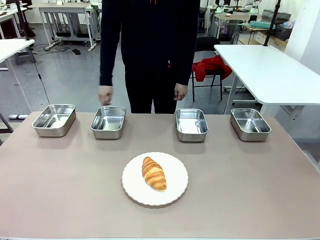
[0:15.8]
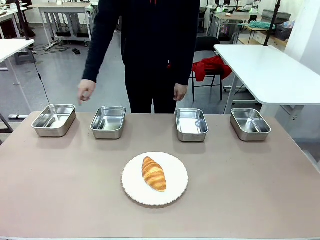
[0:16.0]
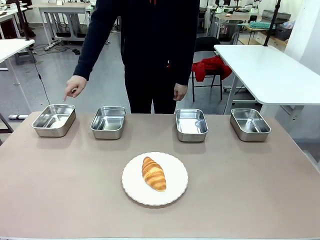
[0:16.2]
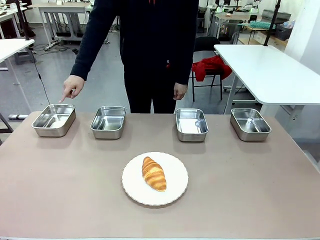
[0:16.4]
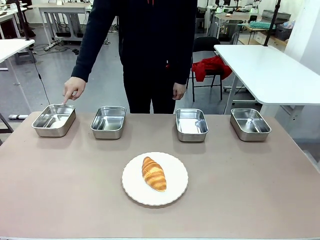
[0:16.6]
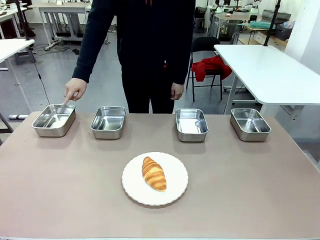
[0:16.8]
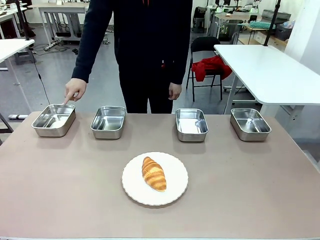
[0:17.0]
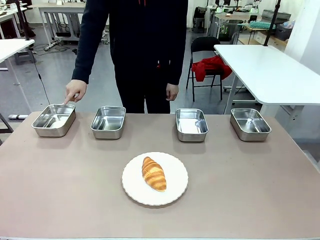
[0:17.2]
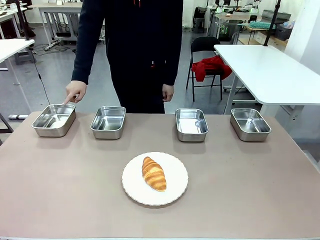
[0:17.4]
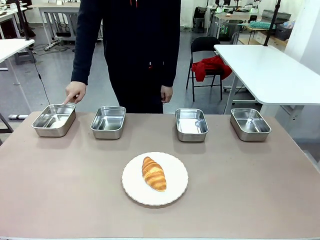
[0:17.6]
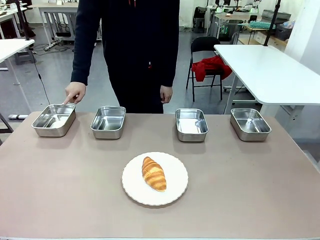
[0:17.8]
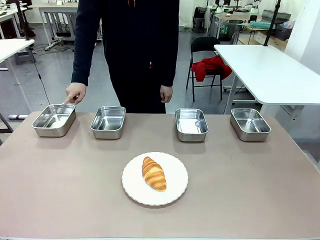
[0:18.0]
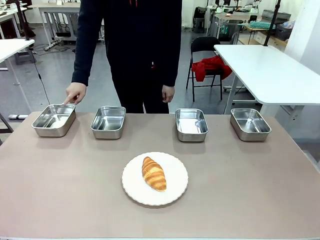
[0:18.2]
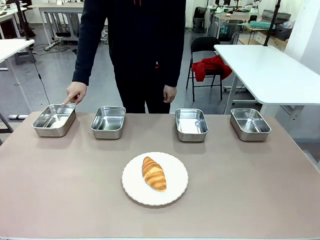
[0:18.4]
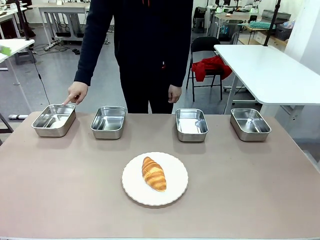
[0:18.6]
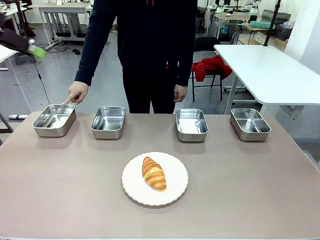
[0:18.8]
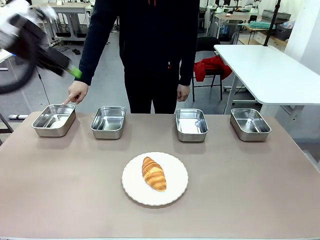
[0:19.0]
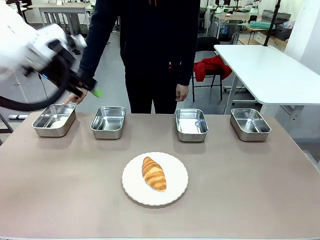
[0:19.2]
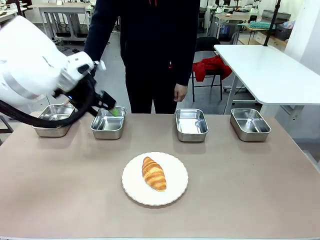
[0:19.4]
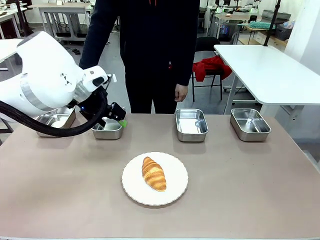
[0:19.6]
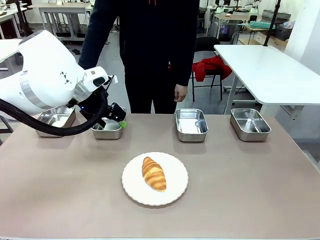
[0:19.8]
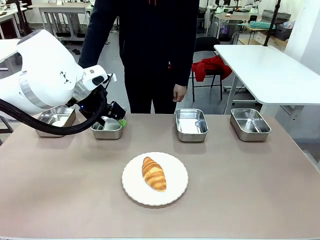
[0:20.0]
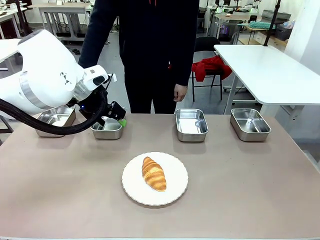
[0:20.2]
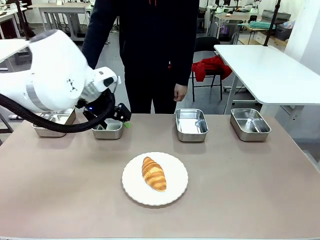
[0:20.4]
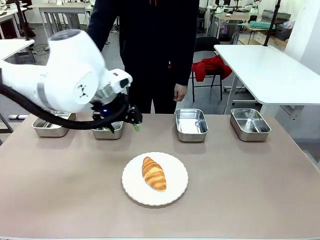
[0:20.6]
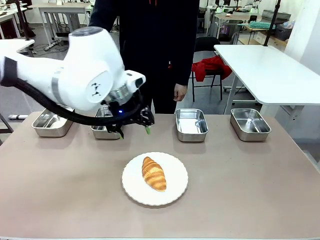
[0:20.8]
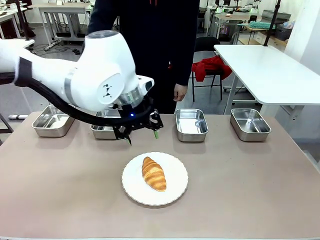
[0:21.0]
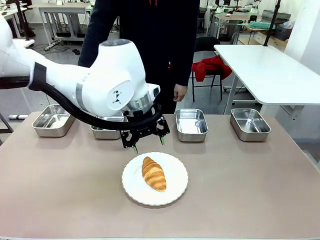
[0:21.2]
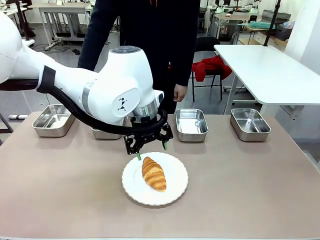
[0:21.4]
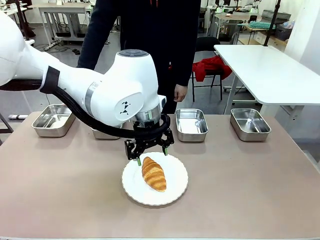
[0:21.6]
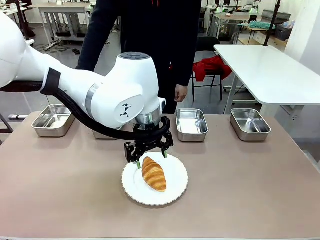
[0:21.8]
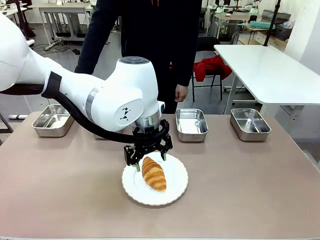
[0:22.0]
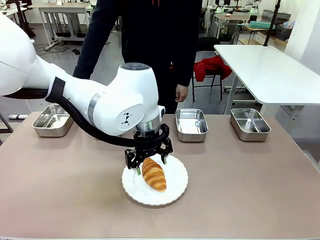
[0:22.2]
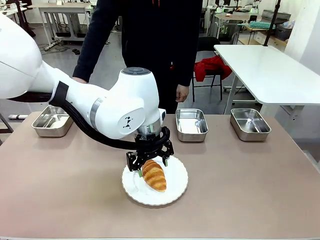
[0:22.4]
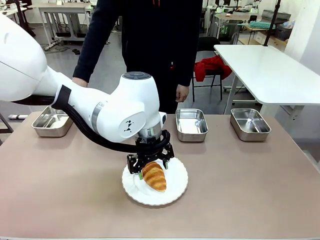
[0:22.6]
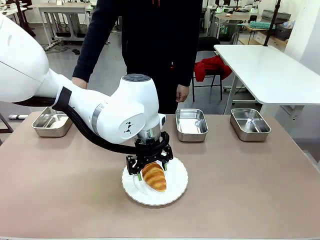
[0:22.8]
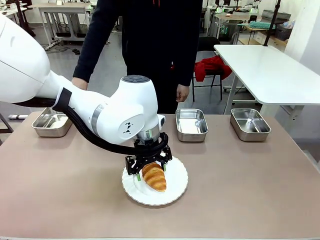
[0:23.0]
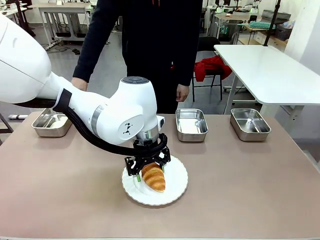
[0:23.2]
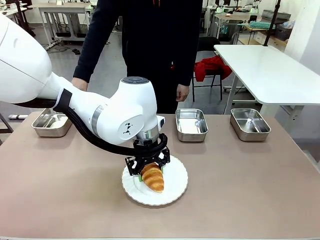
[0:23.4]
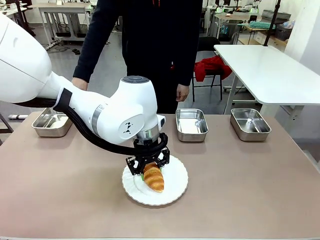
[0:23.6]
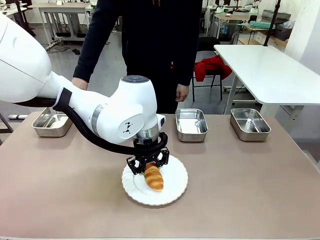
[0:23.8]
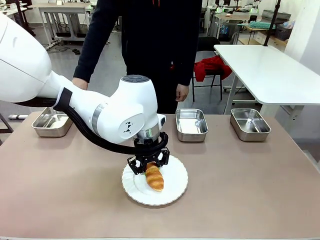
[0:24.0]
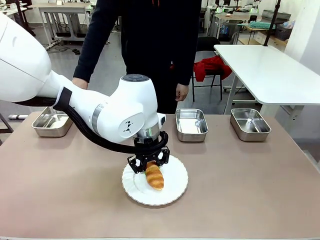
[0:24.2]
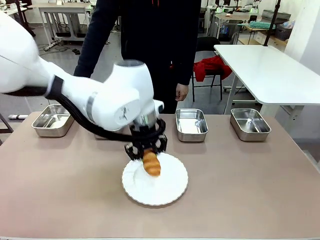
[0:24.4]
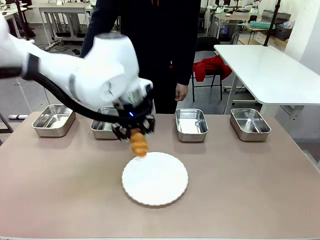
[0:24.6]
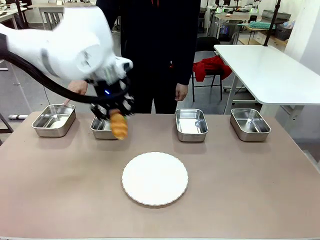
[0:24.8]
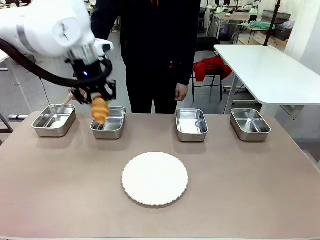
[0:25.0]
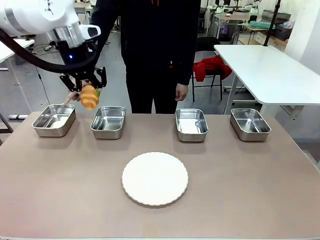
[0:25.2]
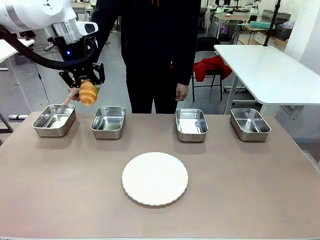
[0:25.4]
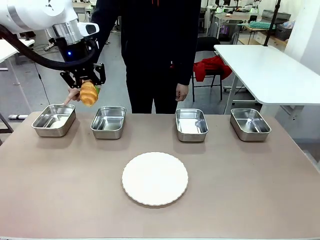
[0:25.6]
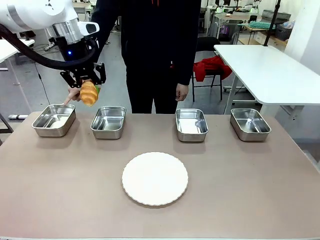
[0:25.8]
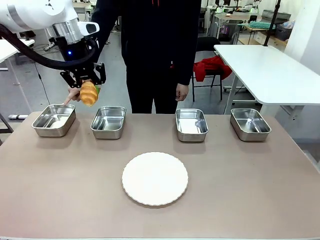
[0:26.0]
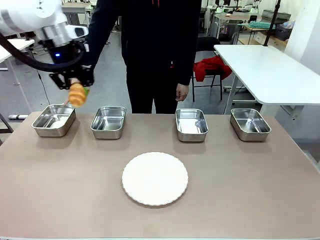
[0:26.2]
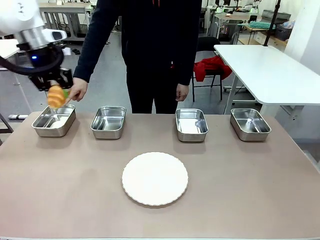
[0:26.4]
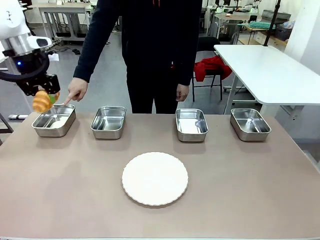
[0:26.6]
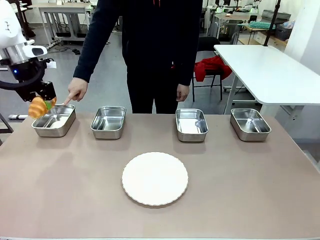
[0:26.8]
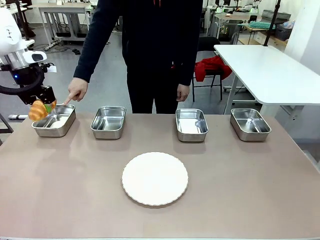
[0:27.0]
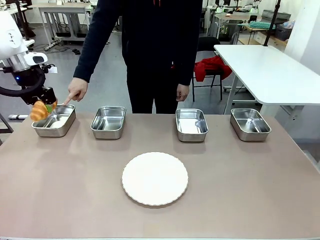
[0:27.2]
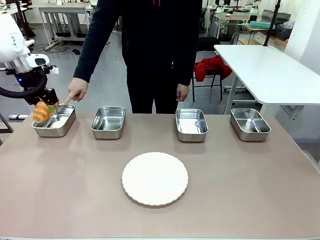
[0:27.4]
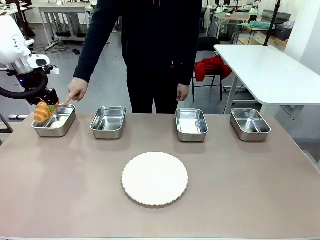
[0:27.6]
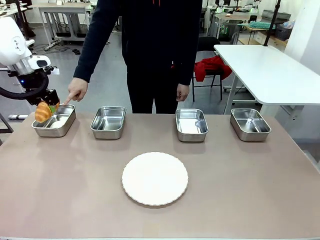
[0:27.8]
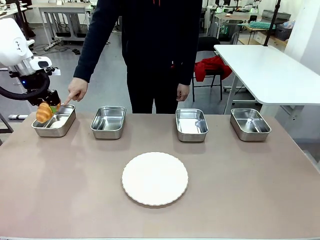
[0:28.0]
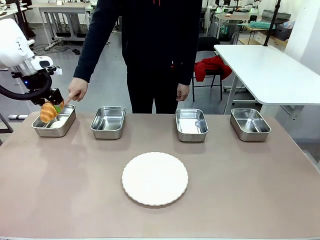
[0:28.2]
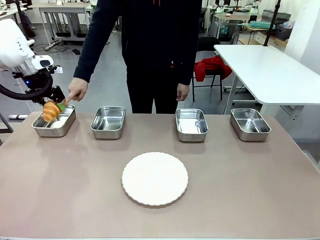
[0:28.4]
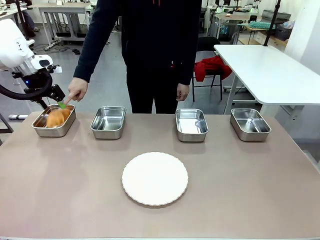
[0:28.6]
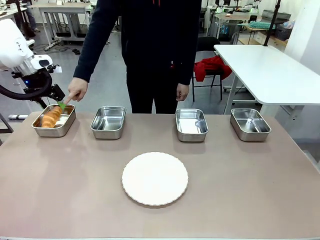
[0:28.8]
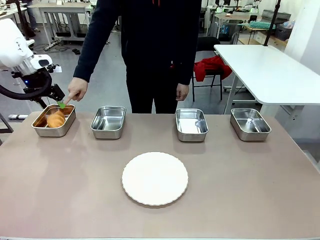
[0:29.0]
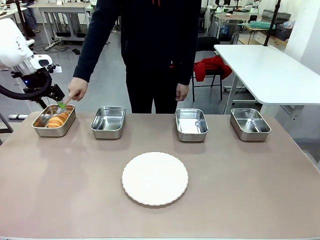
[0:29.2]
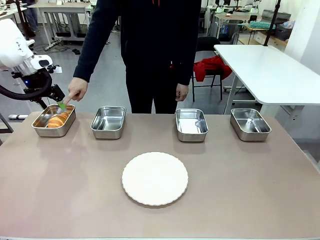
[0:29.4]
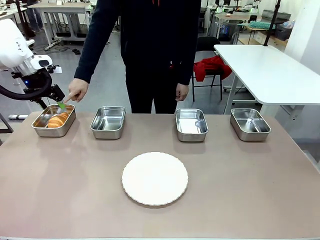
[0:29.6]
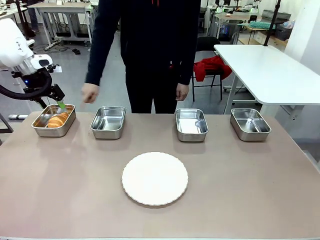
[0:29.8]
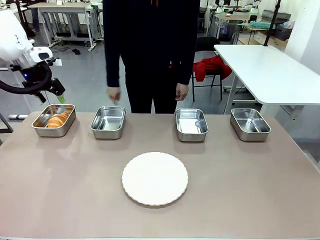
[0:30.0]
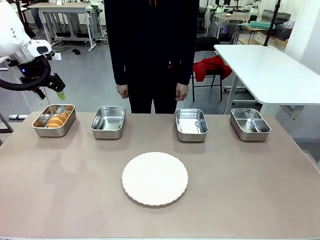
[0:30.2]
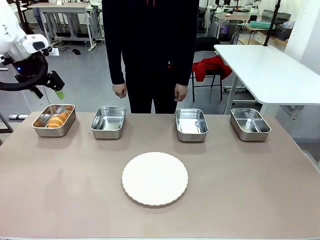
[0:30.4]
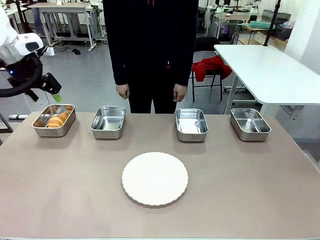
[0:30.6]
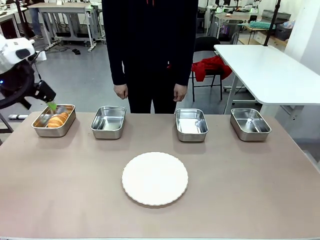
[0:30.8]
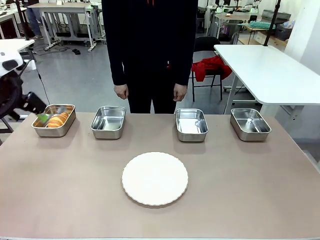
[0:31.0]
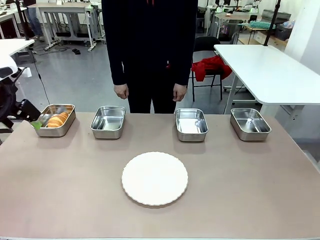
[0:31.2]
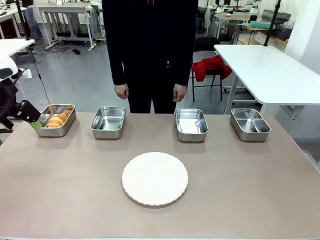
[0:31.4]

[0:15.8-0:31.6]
Task: Place the bread in the container.
Robot: Place the Butter Roll into the Airtight Container indicated by the human.
